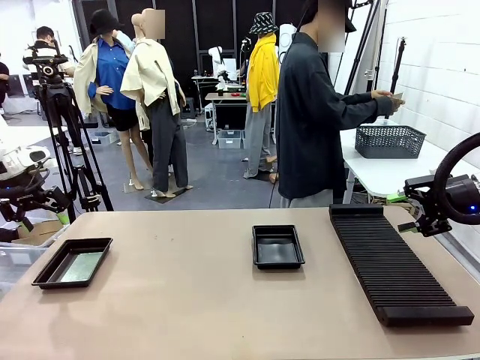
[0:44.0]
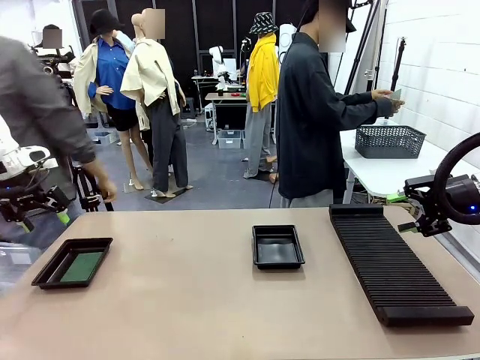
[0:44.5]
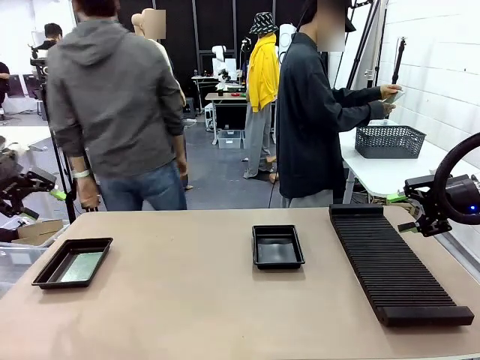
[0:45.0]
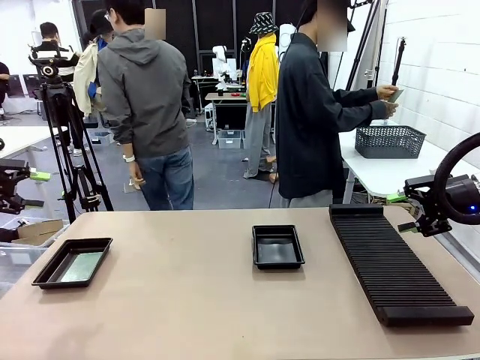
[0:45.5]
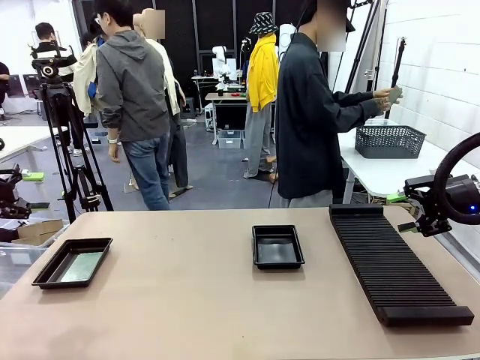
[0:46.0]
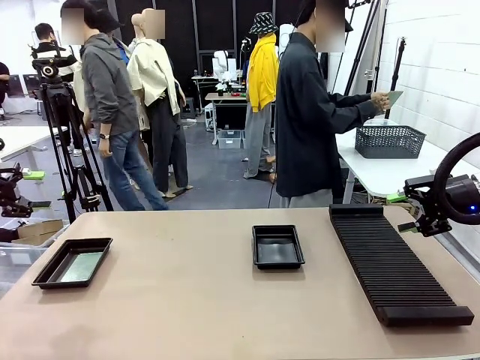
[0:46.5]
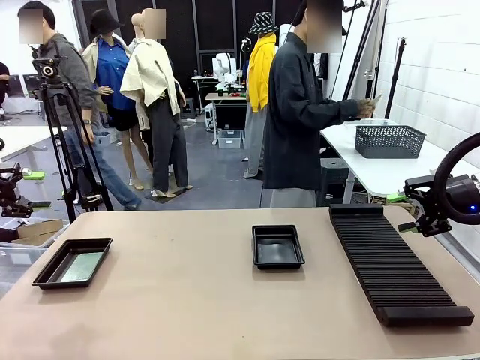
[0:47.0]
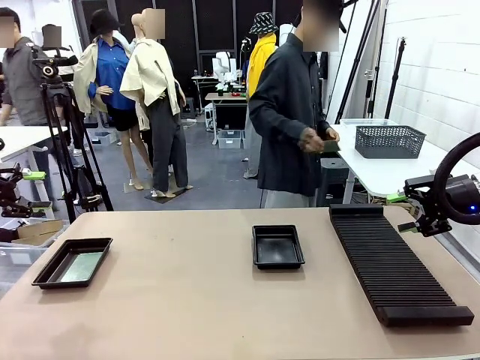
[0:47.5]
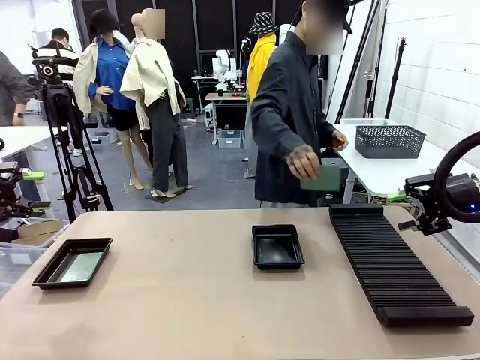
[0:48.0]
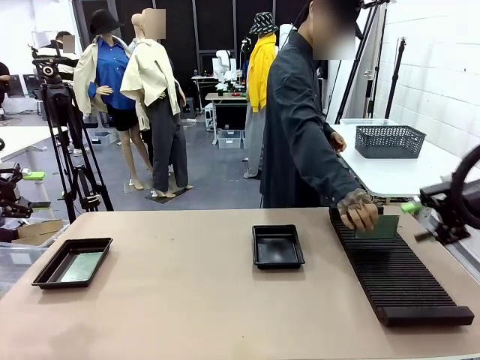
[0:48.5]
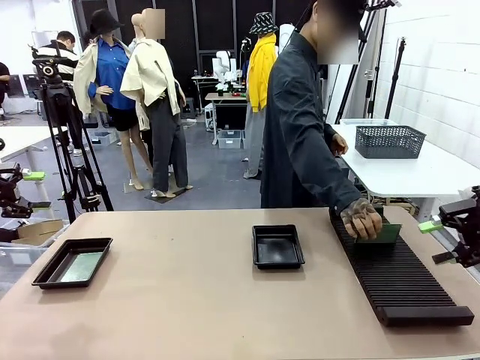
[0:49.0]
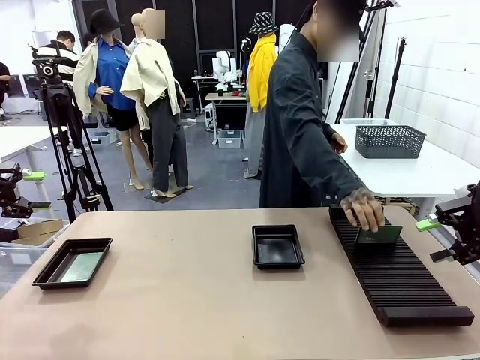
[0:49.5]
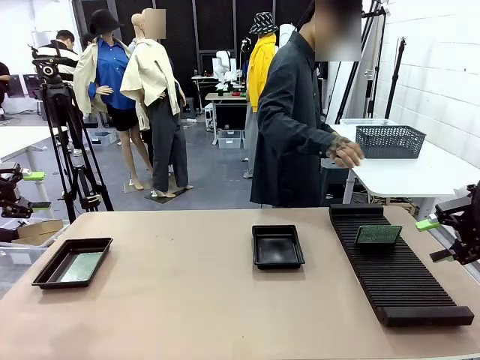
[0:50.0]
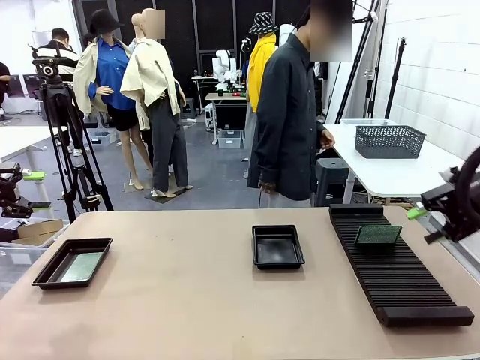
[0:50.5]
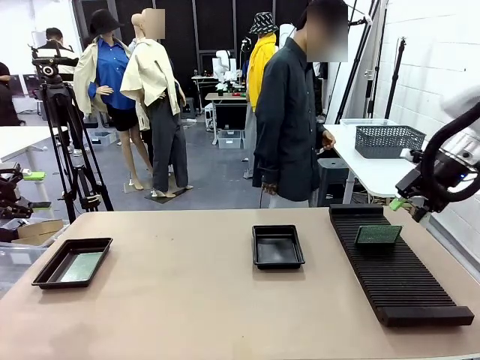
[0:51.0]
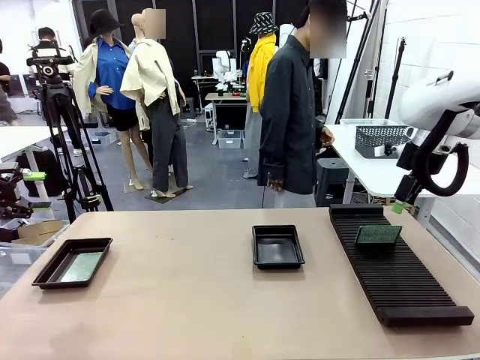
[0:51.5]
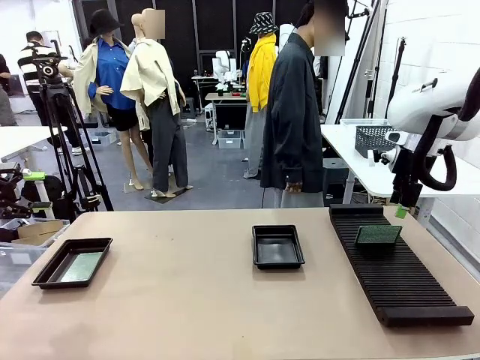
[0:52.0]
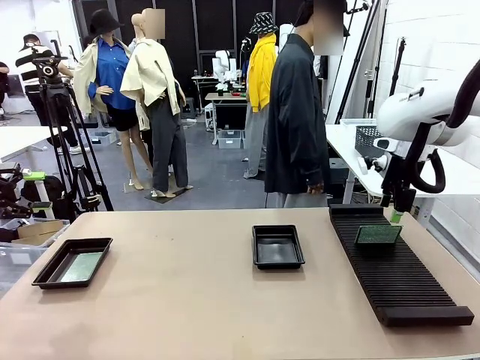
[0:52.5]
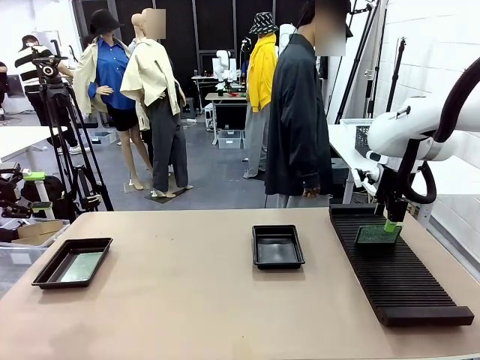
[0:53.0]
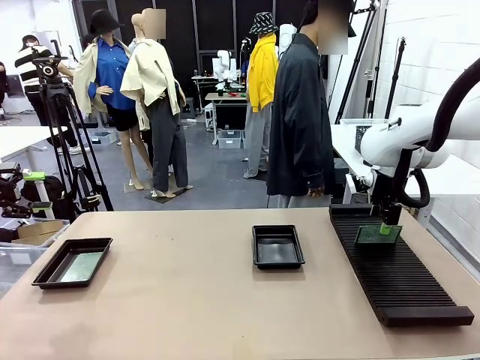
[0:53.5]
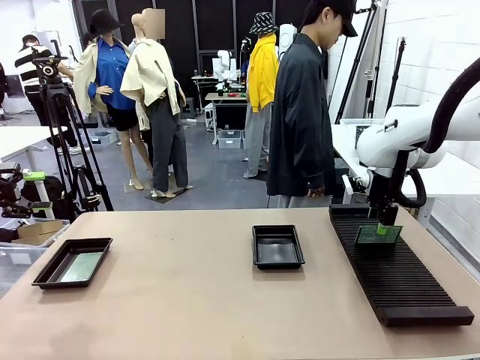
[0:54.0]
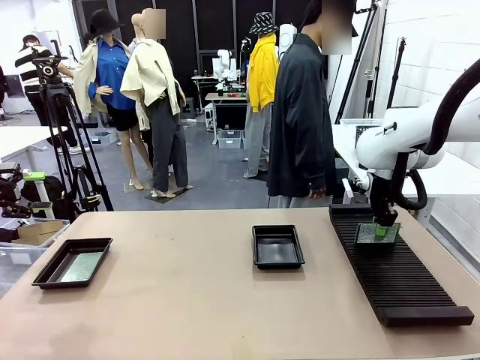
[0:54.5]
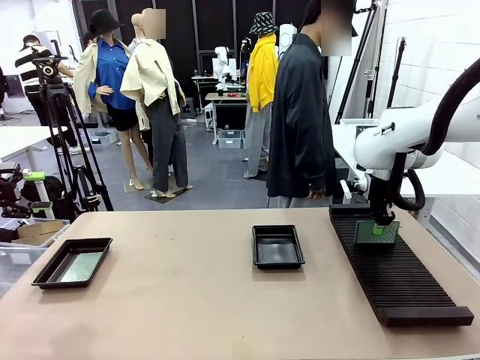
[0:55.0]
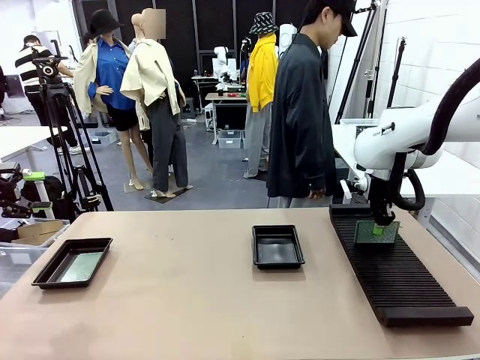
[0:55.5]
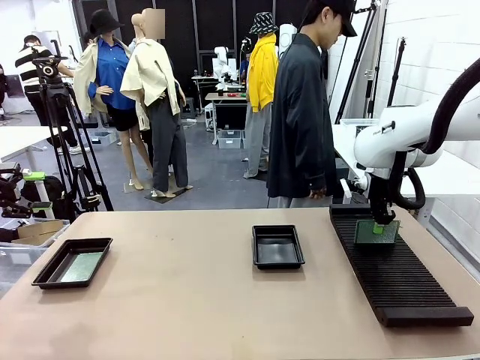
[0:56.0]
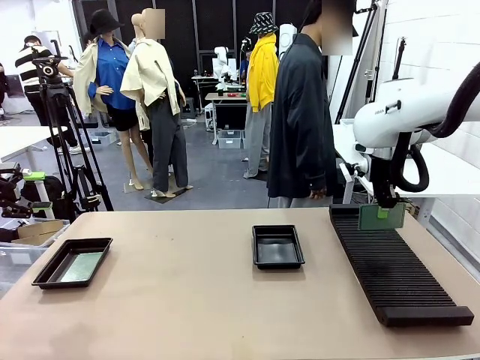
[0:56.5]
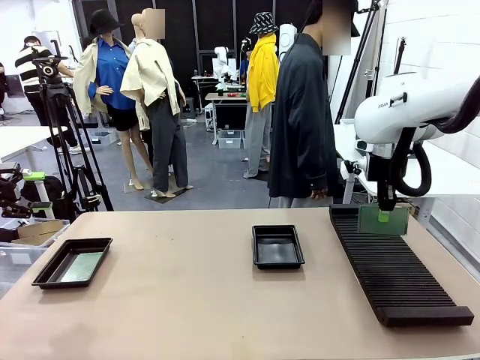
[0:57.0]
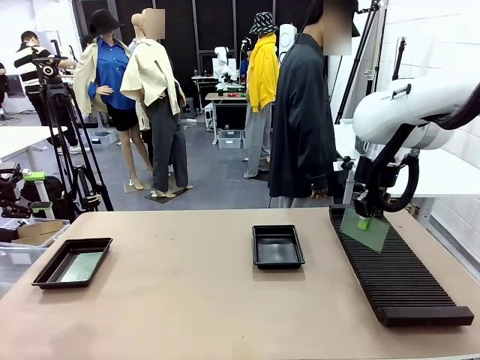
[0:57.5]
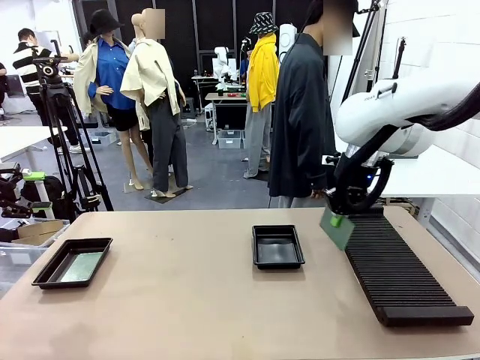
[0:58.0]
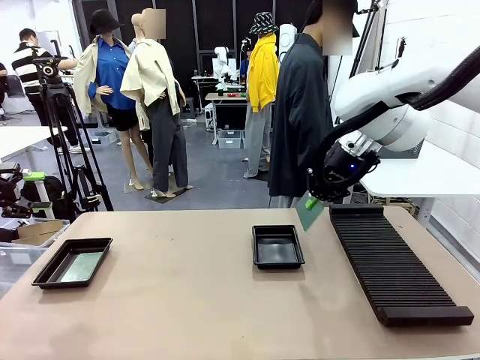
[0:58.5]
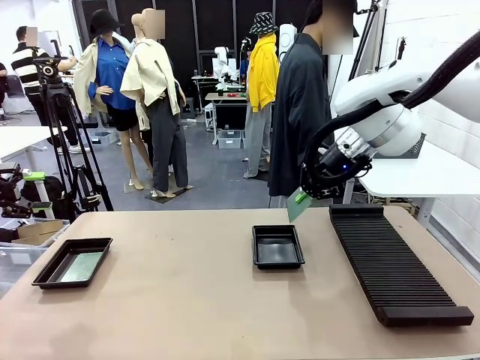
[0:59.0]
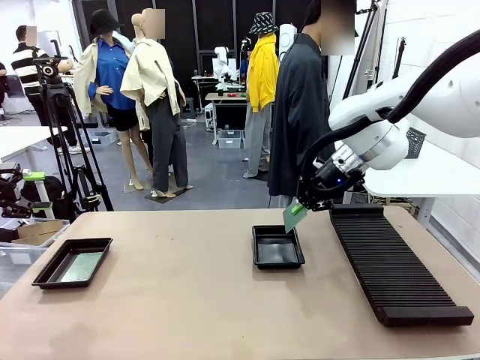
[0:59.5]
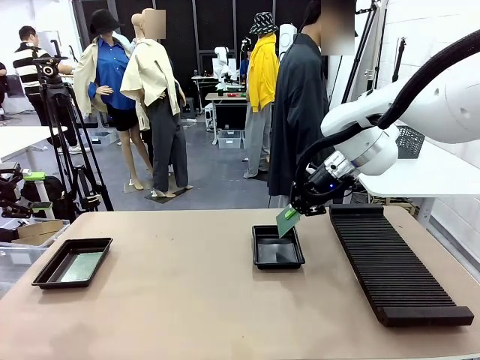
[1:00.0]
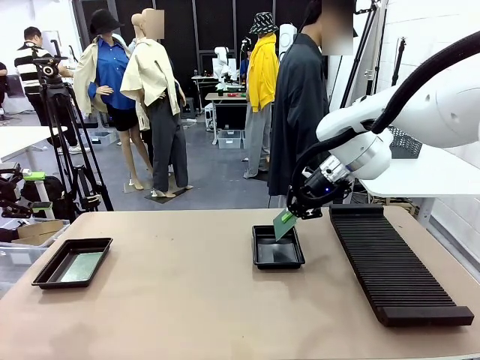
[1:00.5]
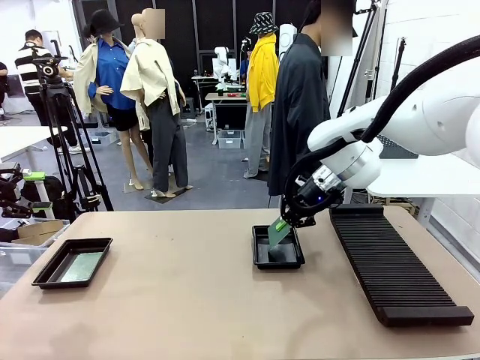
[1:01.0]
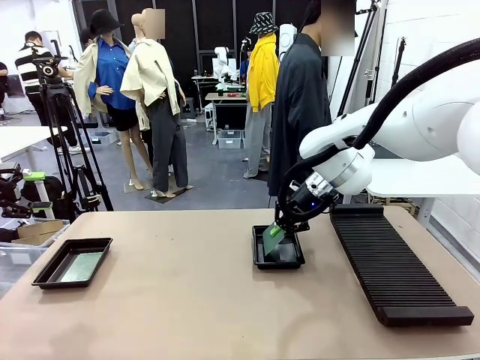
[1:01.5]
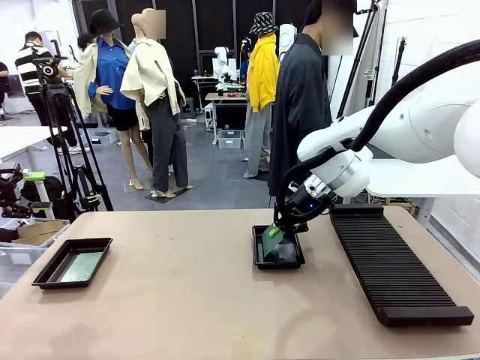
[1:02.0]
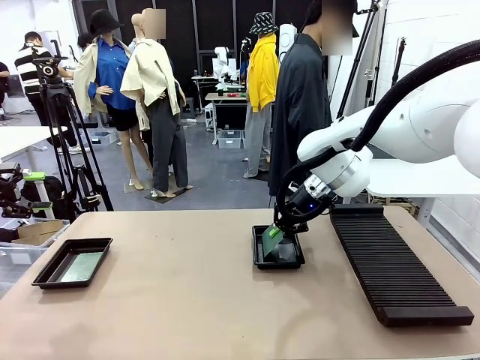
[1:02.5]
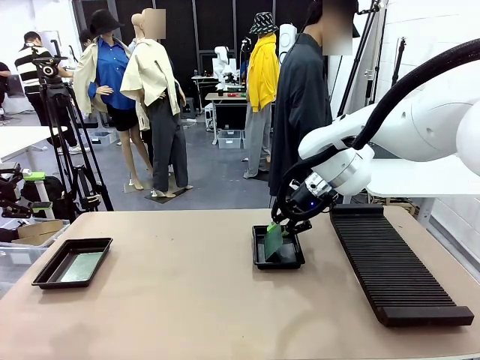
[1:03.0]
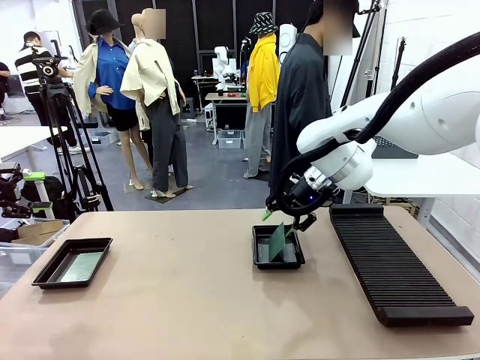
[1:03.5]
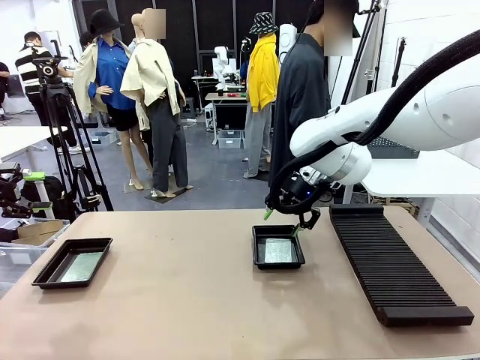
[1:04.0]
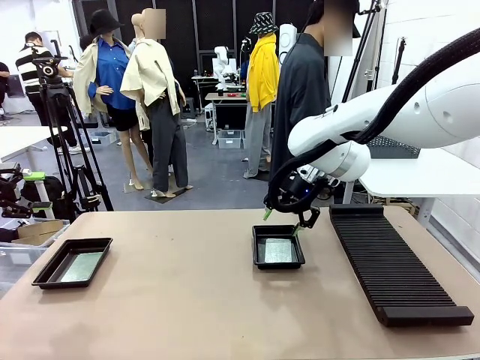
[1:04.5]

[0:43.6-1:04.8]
Task: Inspect and transfer BCBs to ESD trays.
Robot: Pick up the Blank PCB from the PCB Rack and place it in the right ESD tray.

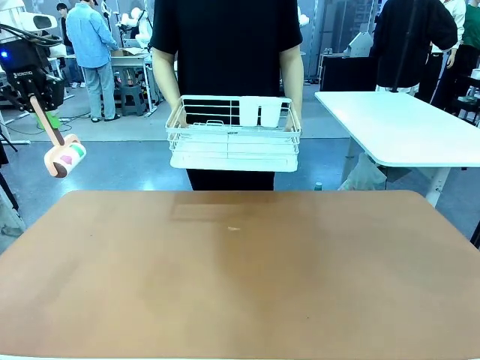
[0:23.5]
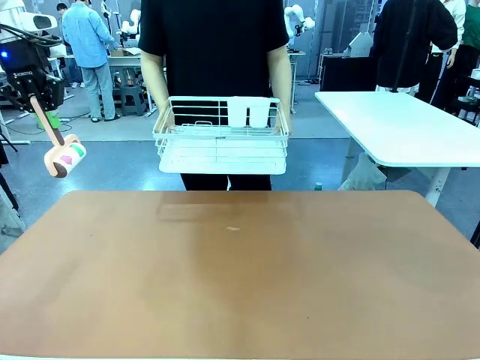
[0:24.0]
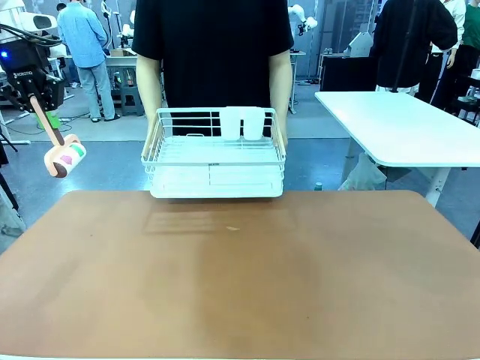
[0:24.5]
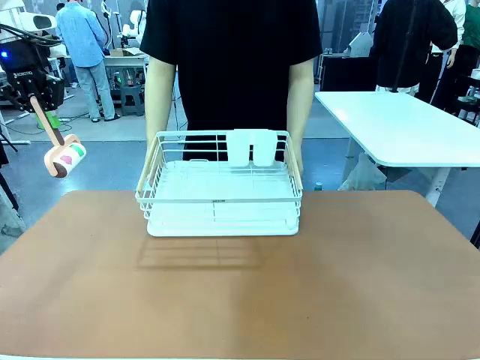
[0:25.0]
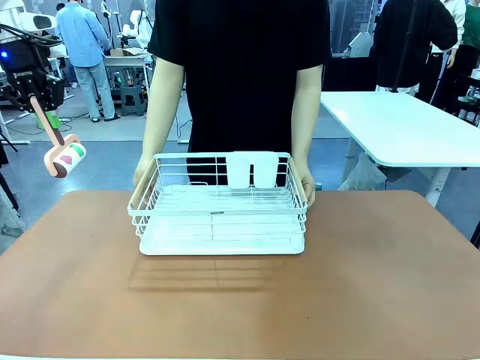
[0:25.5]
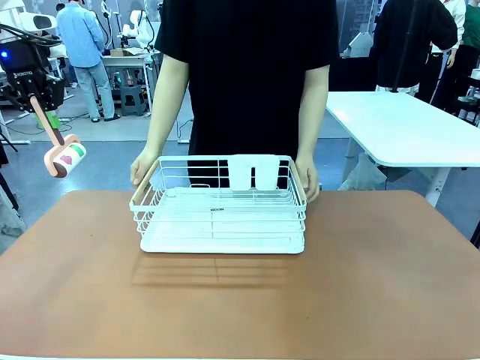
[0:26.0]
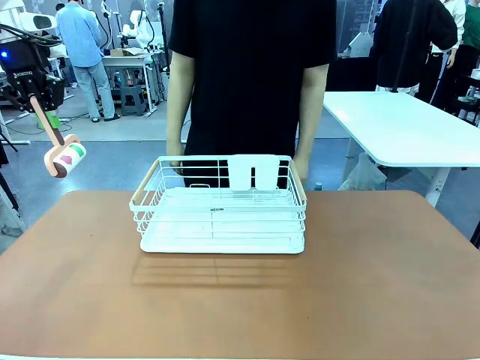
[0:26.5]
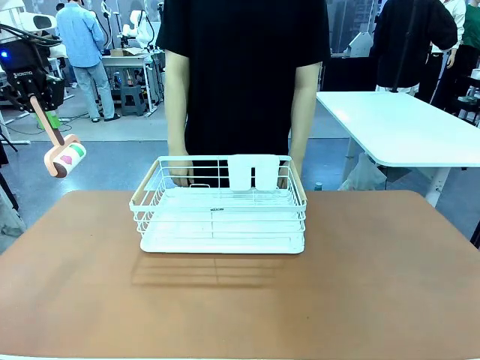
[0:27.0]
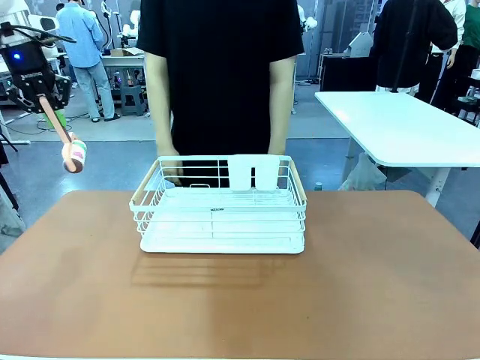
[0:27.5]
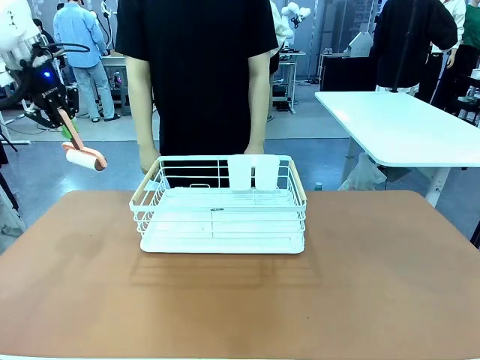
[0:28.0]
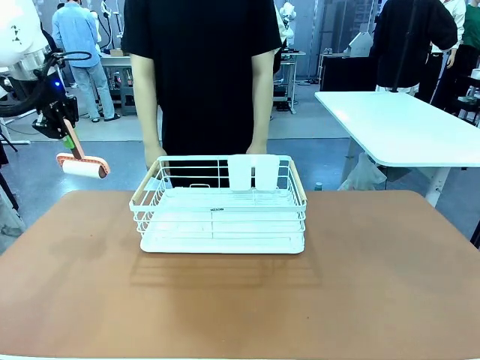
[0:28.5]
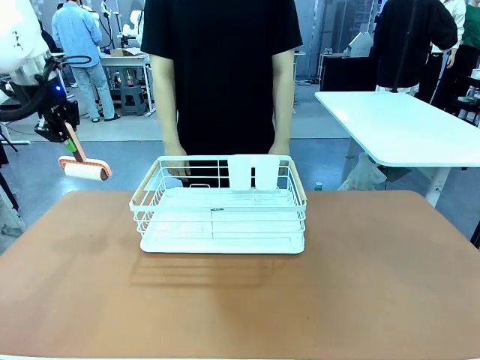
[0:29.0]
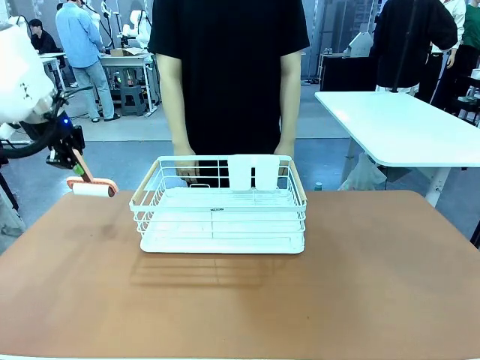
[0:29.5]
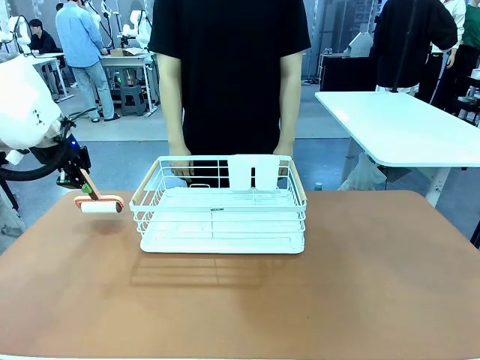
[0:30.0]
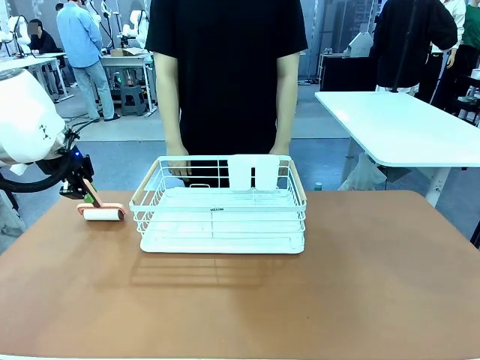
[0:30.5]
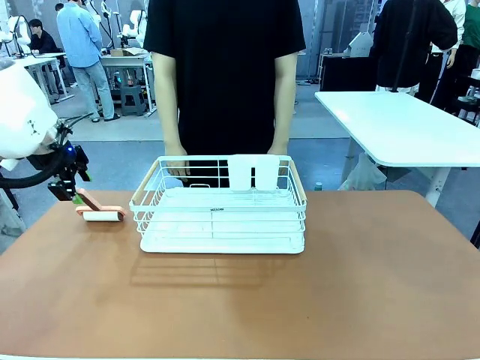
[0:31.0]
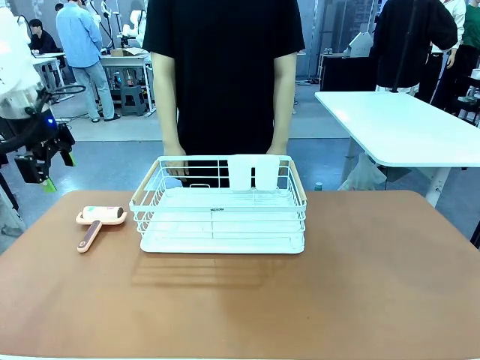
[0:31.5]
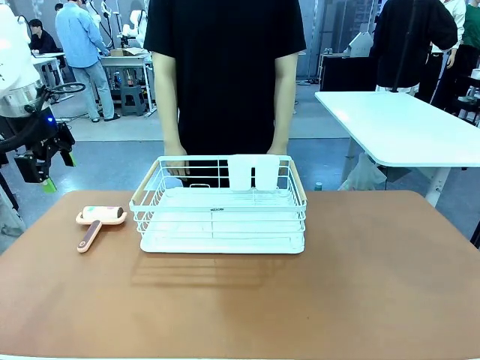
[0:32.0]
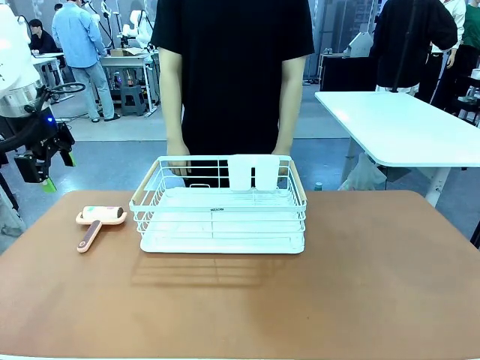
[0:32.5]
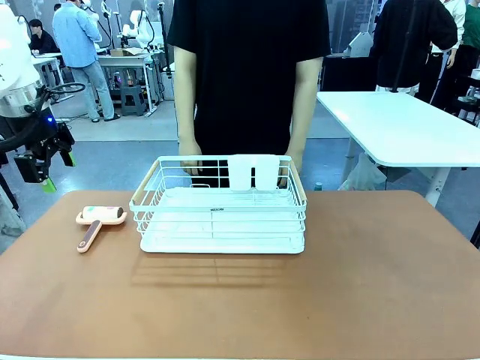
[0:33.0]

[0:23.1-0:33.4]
Task: Clean the table.
Robot: Place the Lint Roller down when the Dish drying rack is positioned in the middle of the table.
Person: Place the Dish drying rack down when the robot finishes cleaning.
